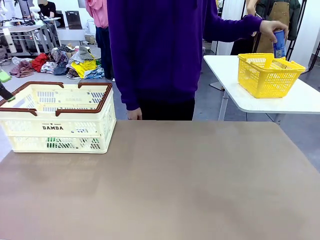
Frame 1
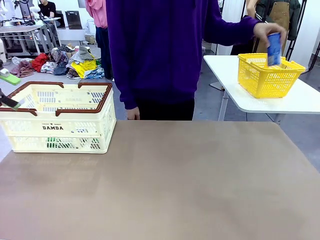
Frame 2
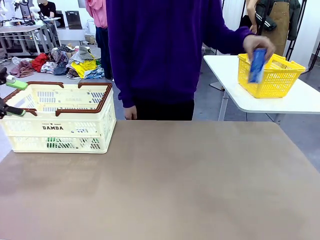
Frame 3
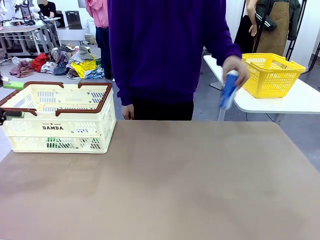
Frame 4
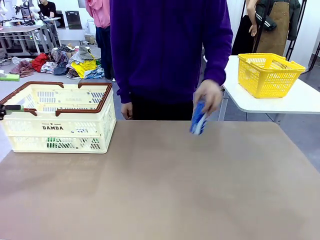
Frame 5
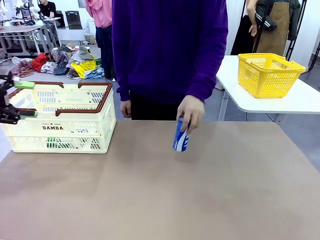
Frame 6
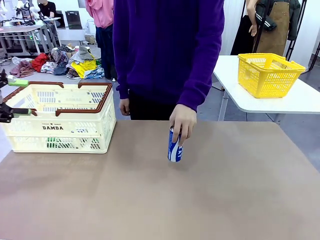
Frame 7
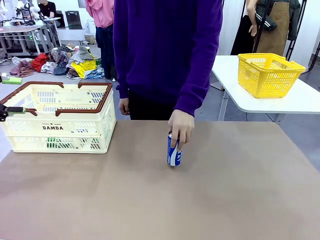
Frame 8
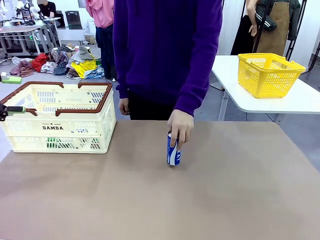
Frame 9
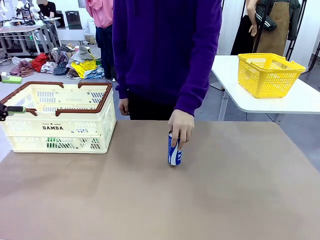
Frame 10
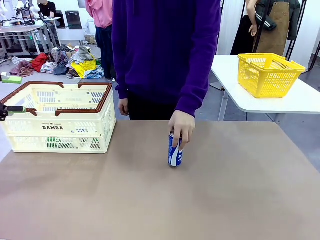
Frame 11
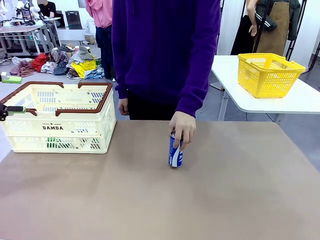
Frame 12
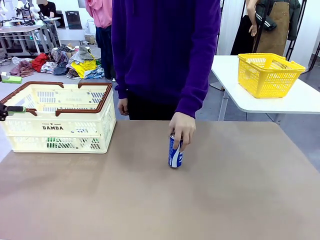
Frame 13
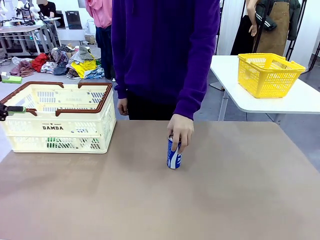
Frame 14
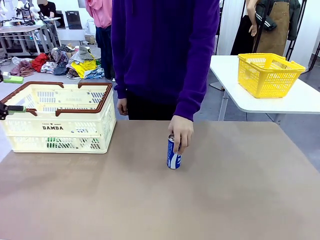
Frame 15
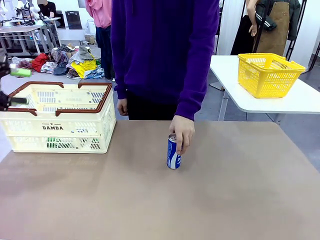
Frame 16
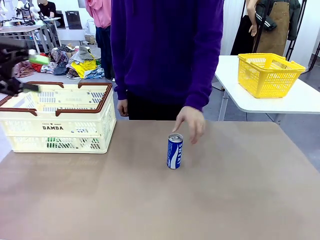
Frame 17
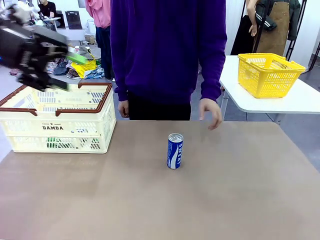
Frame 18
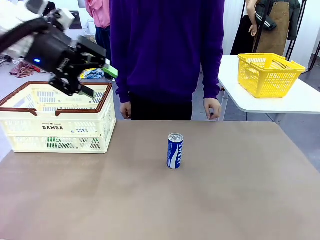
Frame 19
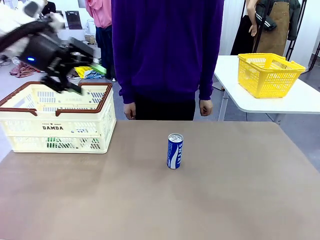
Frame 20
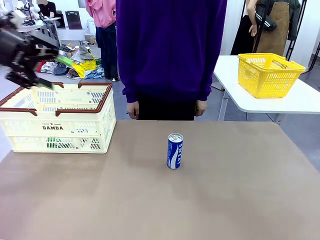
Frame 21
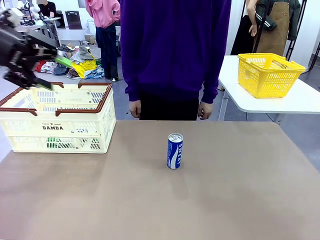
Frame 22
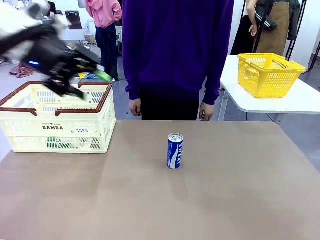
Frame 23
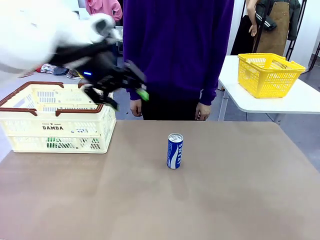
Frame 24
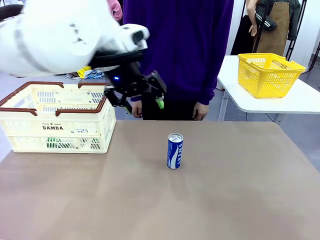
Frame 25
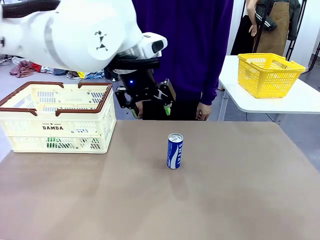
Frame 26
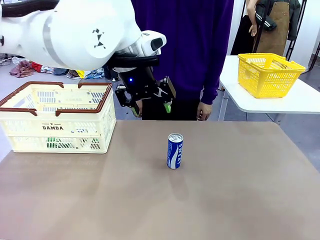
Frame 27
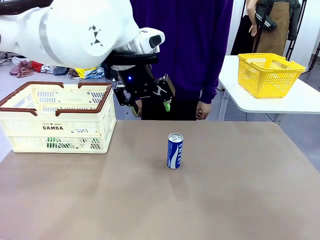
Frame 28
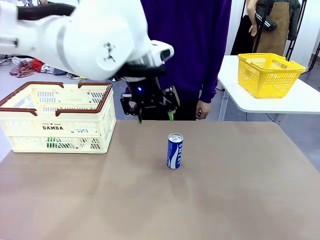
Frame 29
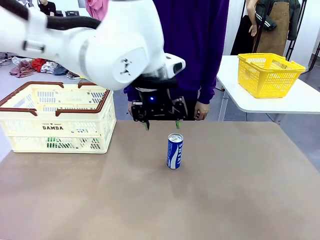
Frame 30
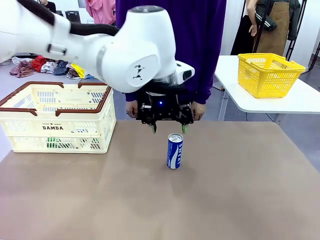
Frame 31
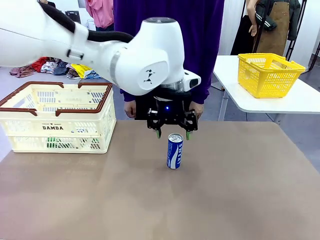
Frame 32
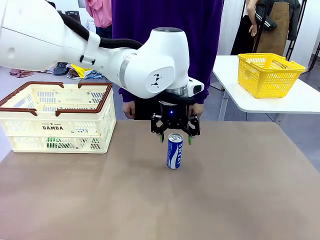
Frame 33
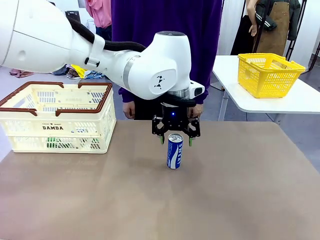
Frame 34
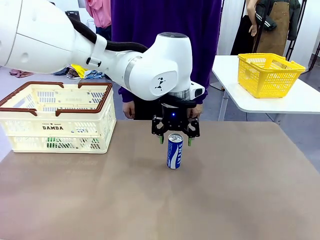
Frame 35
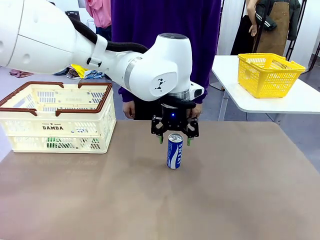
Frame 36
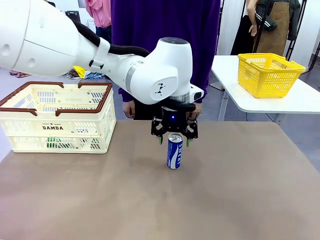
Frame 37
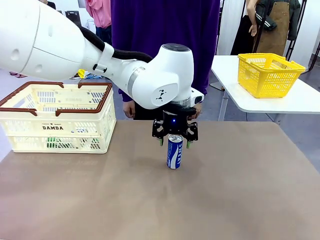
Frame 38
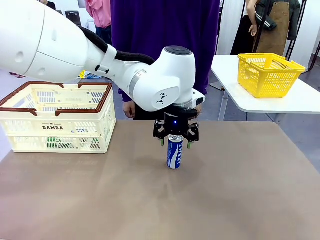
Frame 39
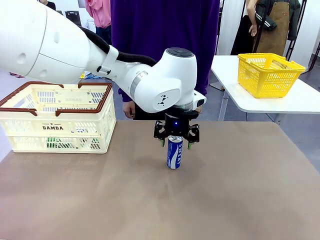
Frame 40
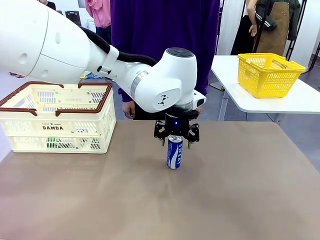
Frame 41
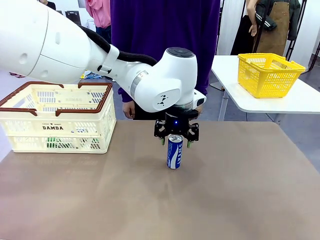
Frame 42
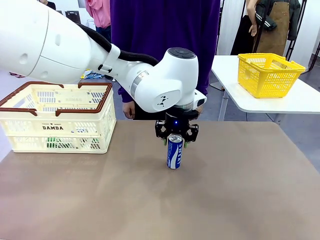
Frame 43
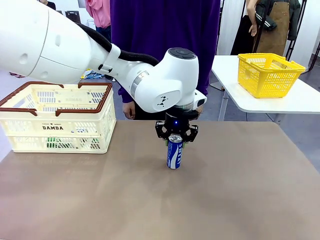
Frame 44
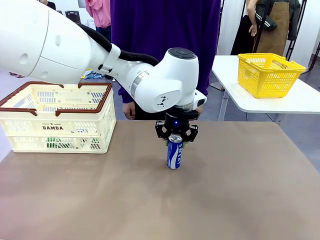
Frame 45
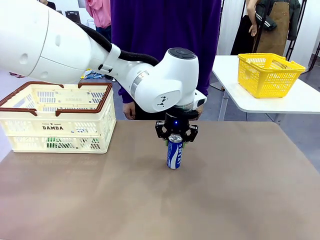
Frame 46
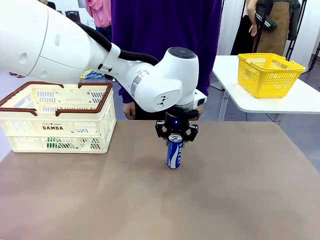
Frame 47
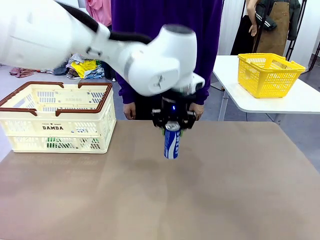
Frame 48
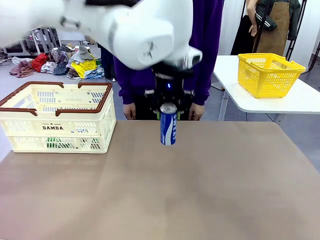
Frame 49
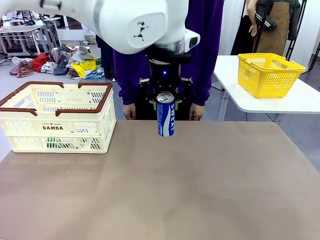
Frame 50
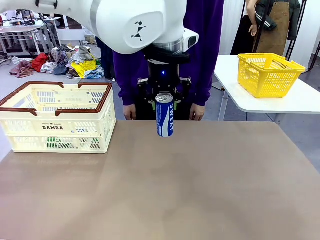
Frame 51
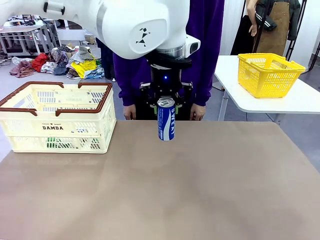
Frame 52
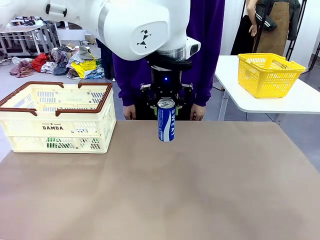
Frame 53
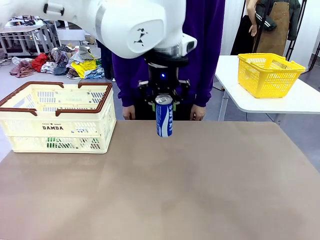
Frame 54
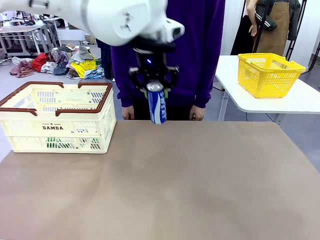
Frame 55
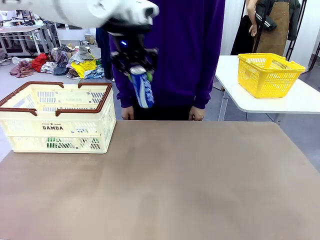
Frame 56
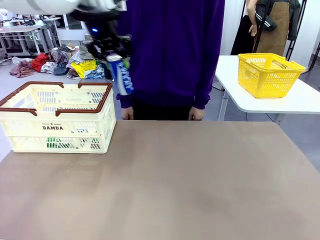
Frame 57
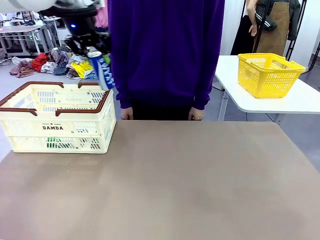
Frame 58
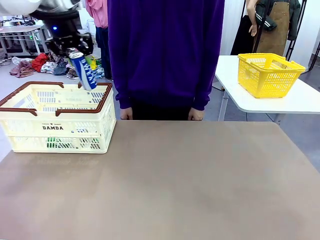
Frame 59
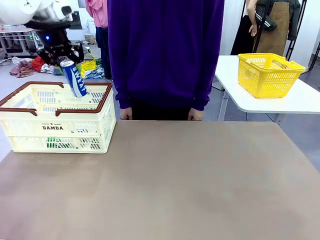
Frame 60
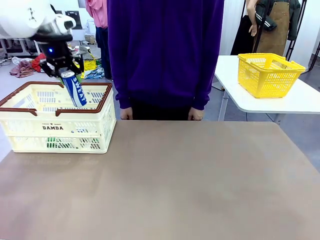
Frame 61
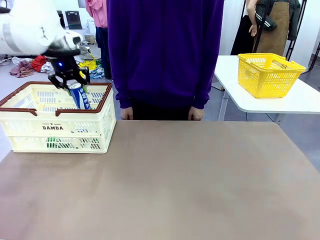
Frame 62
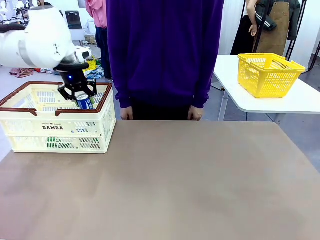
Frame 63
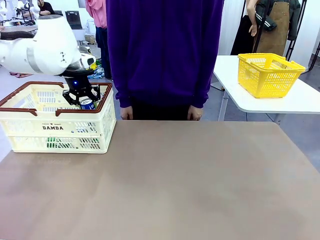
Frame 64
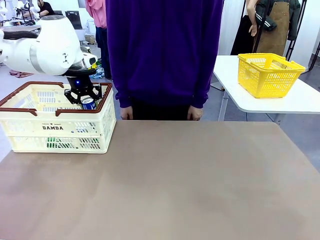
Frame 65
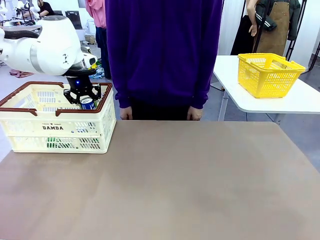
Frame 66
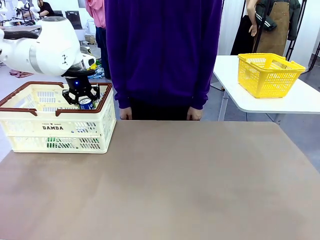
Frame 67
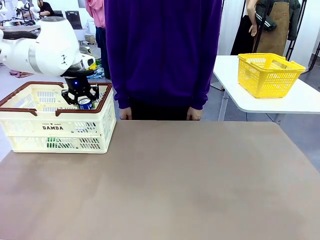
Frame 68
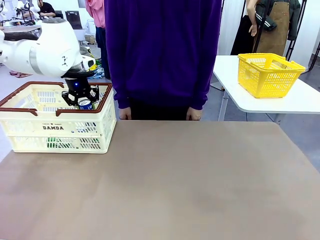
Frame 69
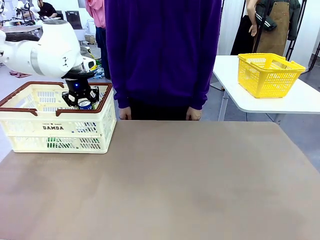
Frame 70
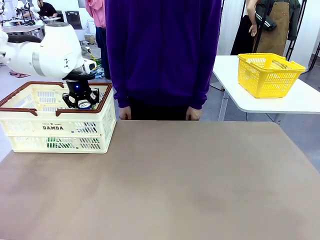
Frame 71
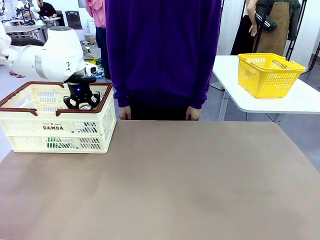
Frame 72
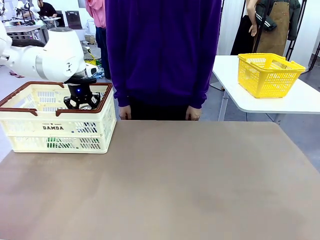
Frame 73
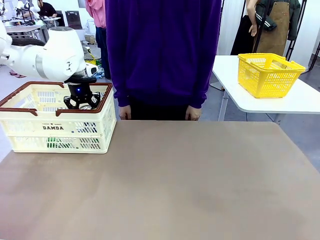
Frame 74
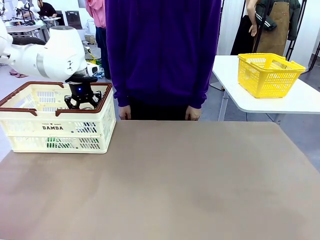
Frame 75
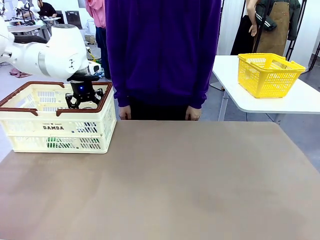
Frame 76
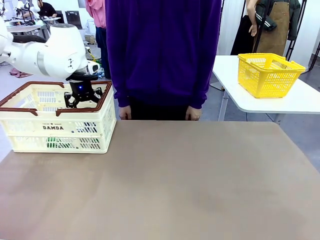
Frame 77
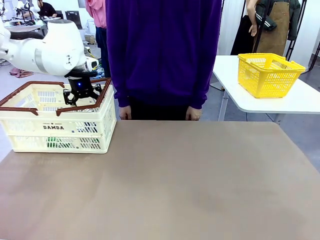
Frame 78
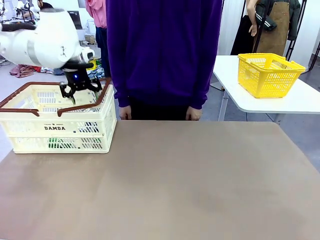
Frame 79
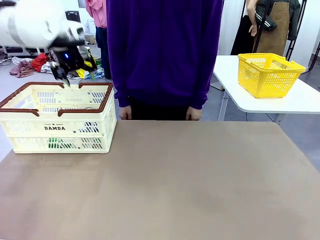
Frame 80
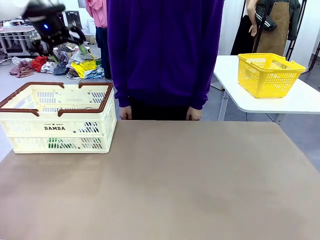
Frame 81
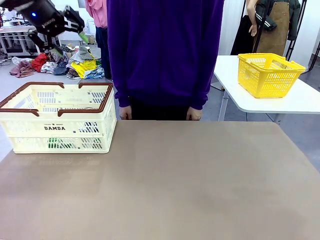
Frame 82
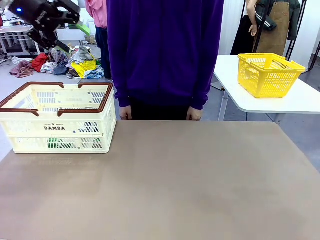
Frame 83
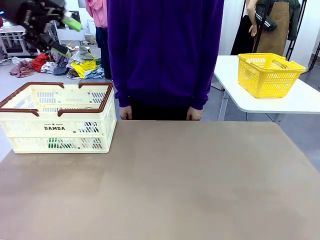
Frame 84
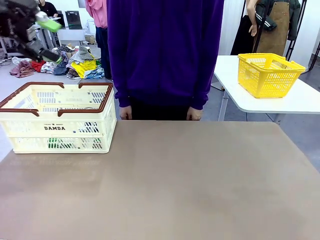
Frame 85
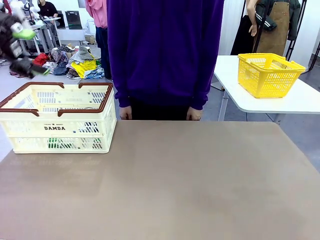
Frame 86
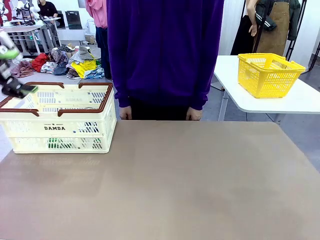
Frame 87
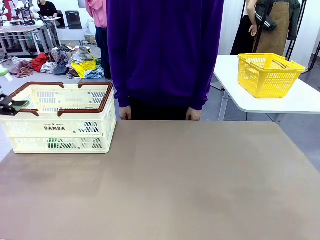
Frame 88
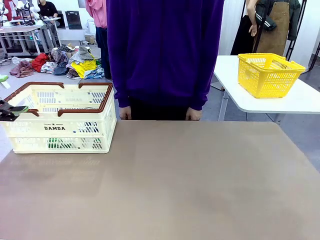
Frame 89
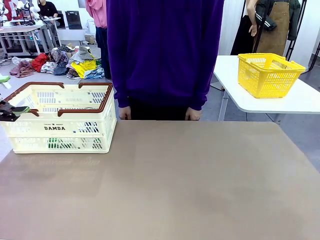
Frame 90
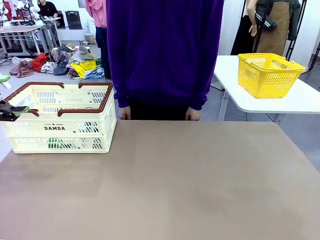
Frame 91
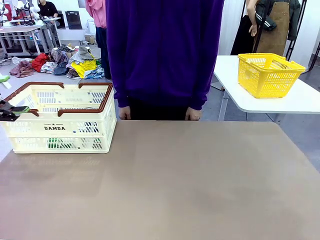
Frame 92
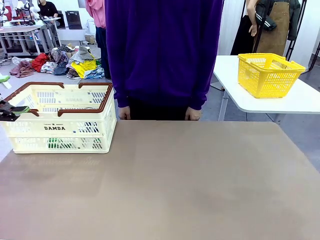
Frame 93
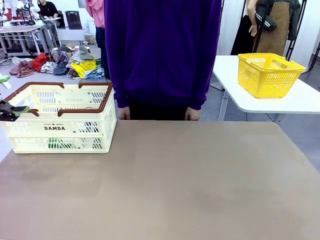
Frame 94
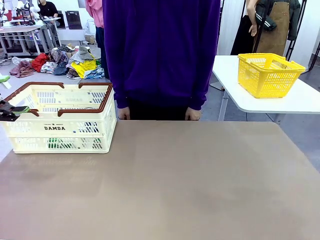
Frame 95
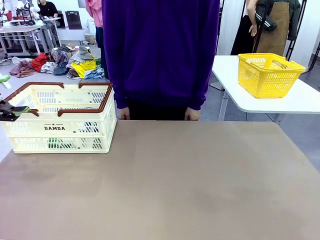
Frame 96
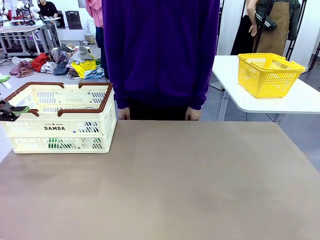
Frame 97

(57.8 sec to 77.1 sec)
Task: Place the drinks into the Shopping basket.
Robot: Pick up one drink and place it into the Shopping basket.
